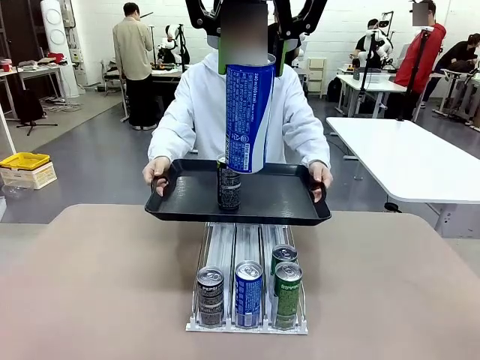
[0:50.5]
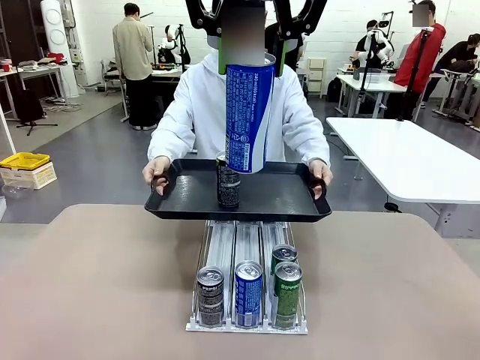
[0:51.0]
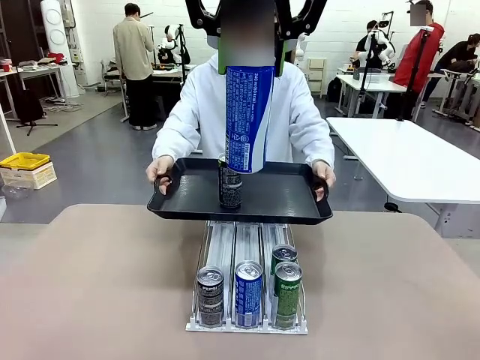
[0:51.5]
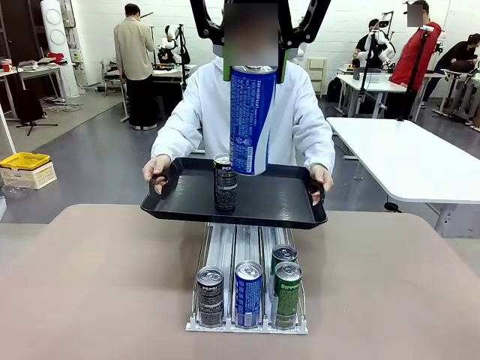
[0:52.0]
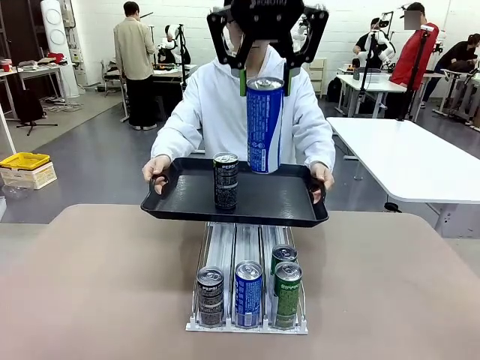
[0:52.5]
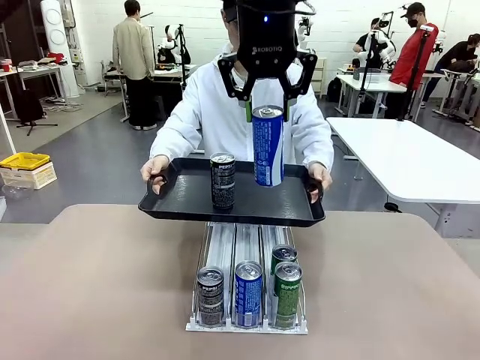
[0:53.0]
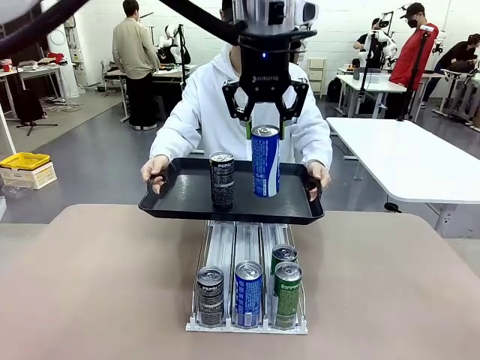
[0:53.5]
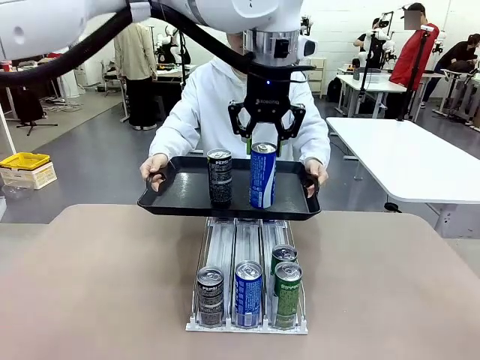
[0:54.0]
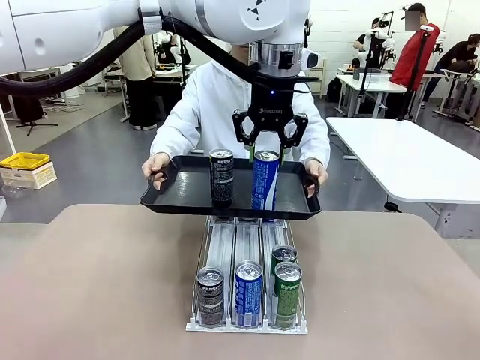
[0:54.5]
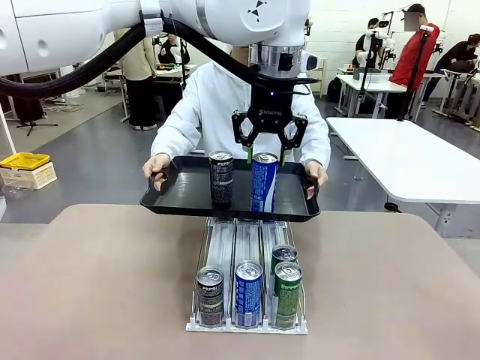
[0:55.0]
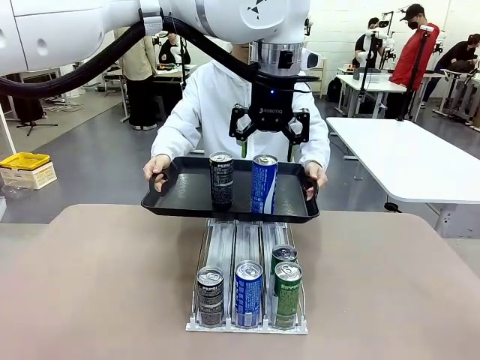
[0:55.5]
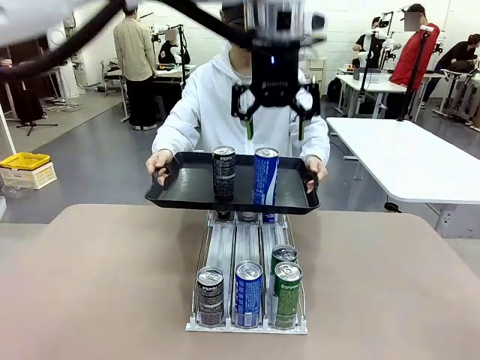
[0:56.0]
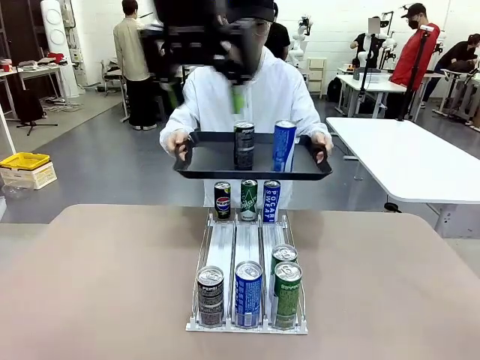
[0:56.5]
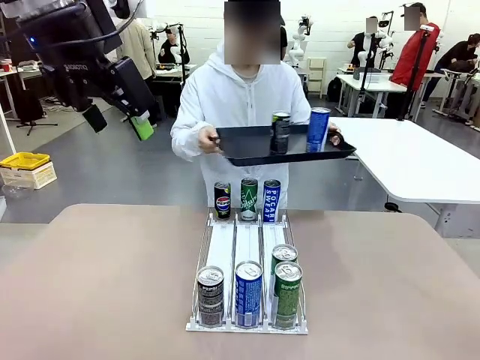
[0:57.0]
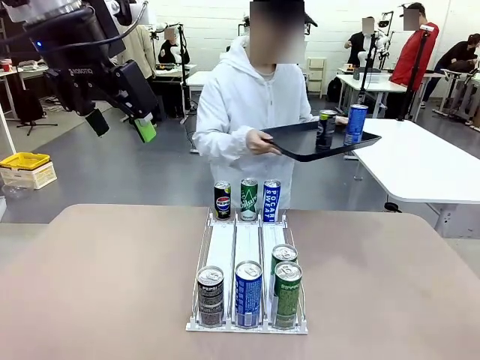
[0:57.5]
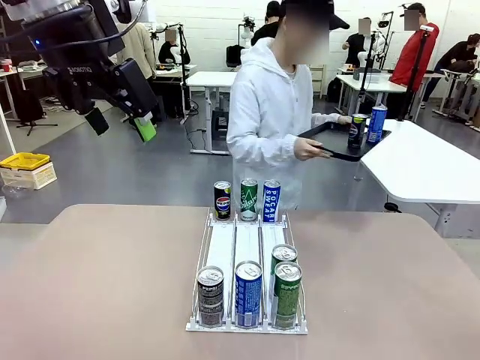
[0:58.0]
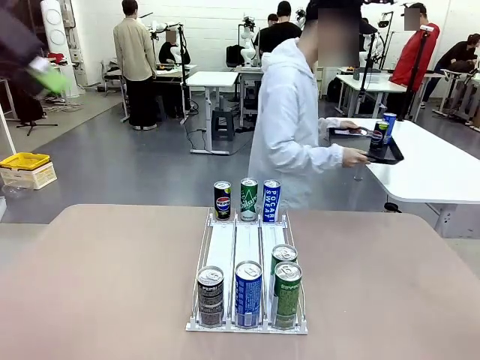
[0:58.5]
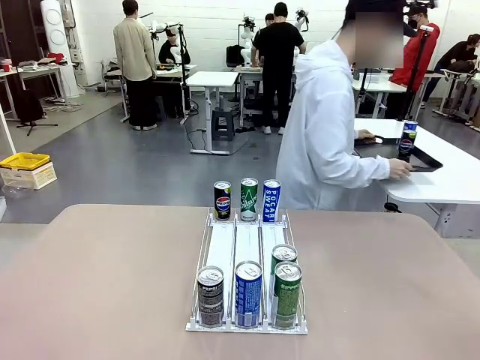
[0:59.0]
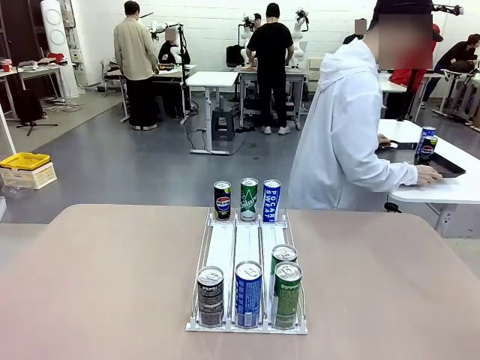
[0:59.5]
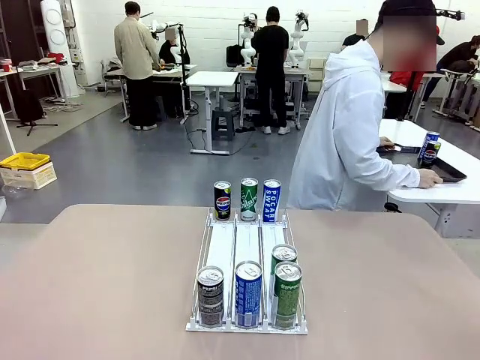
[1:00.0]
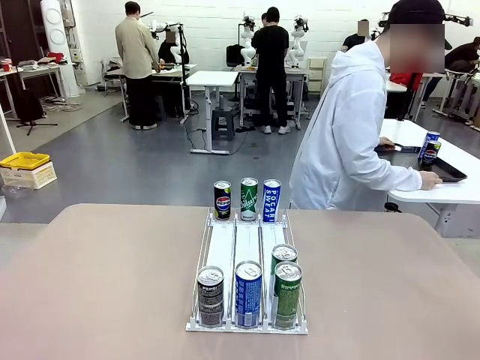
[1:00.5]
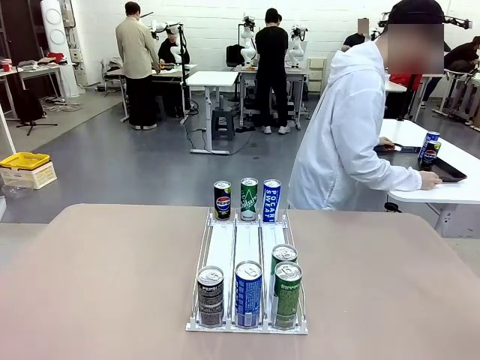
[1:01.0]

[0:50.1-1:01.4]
Task: Retrieve and hand over the desired beverage to the person.
Robot: Place the picked can on the Handle tray extended by the person.
Person: Pull the tray back and place it at the center of the human table.

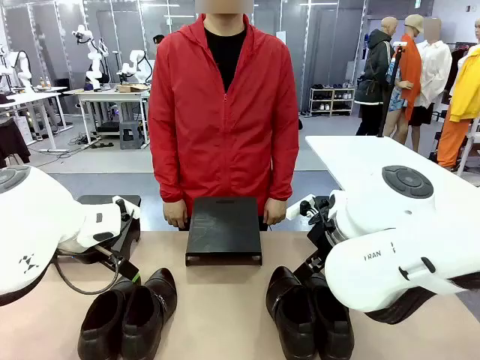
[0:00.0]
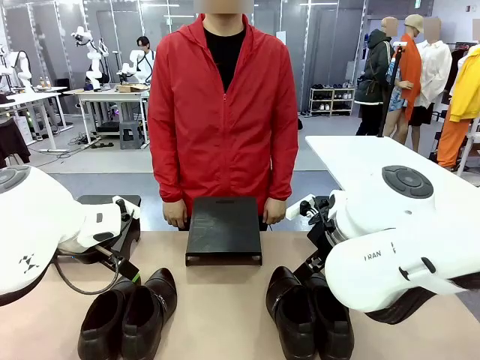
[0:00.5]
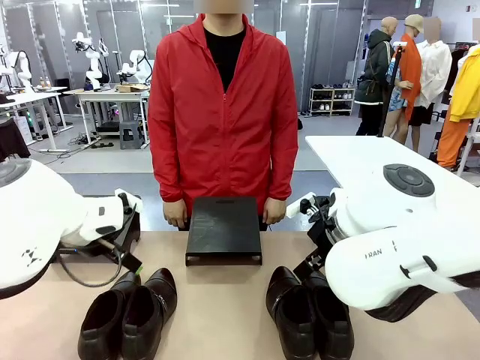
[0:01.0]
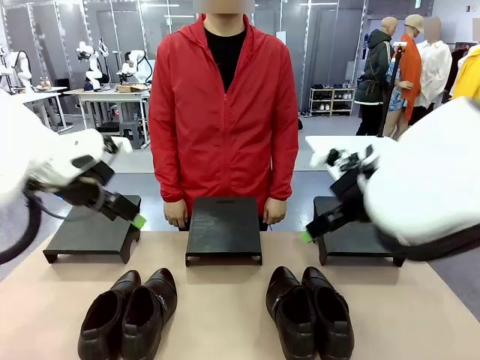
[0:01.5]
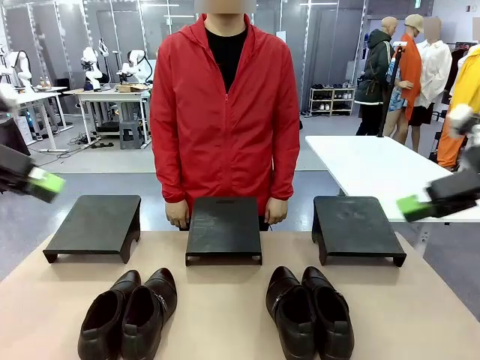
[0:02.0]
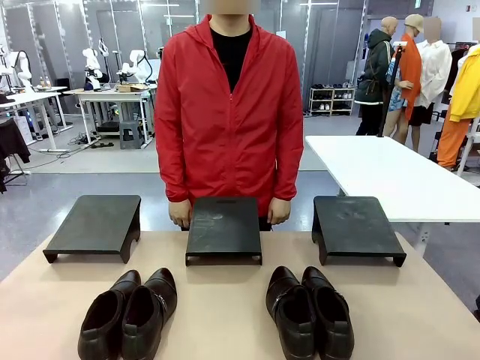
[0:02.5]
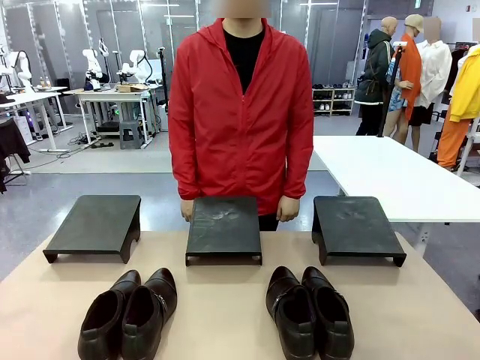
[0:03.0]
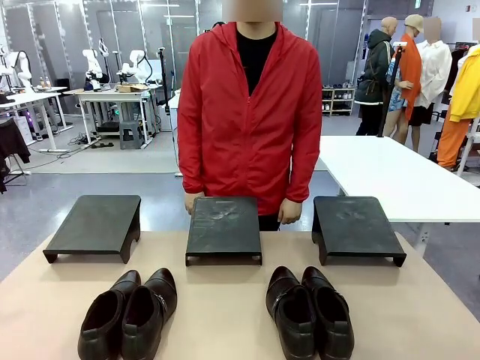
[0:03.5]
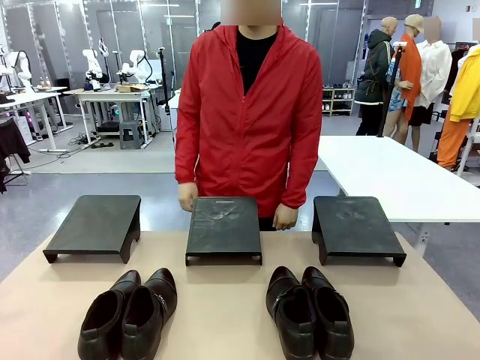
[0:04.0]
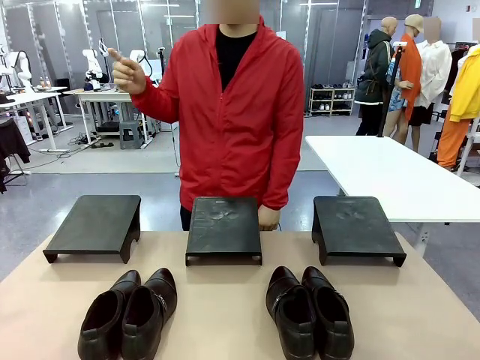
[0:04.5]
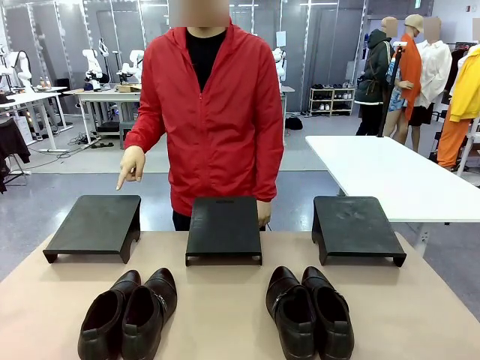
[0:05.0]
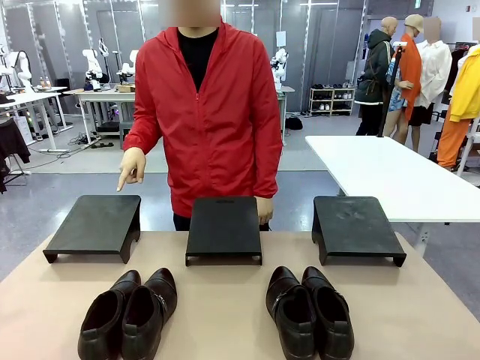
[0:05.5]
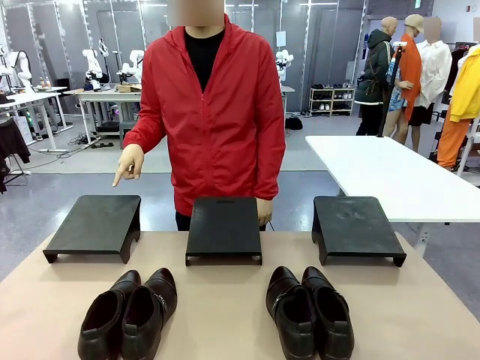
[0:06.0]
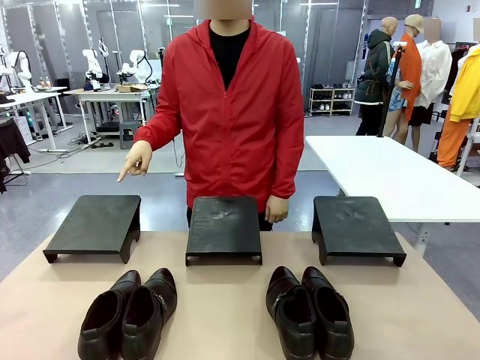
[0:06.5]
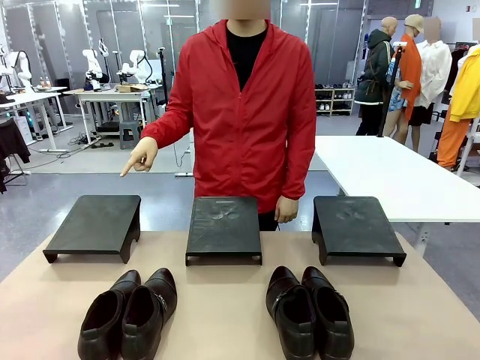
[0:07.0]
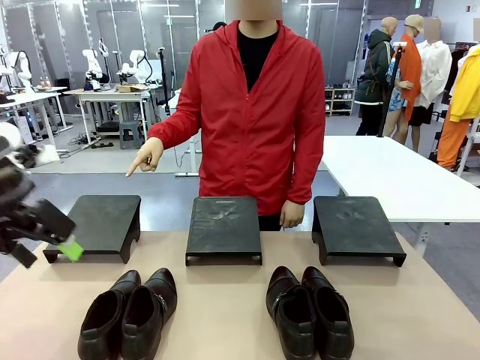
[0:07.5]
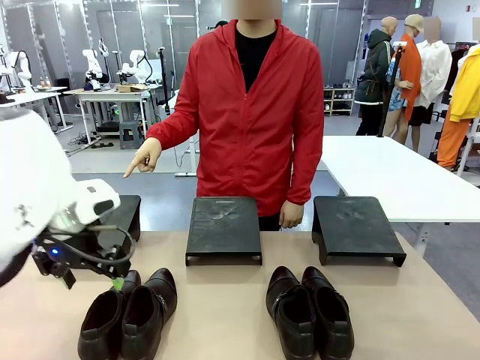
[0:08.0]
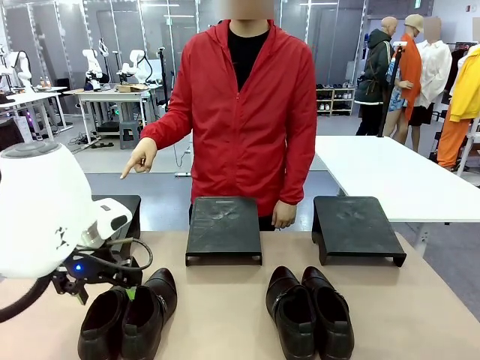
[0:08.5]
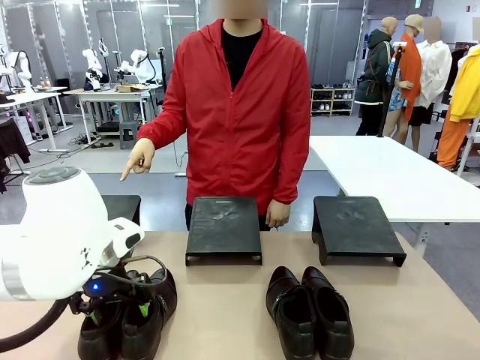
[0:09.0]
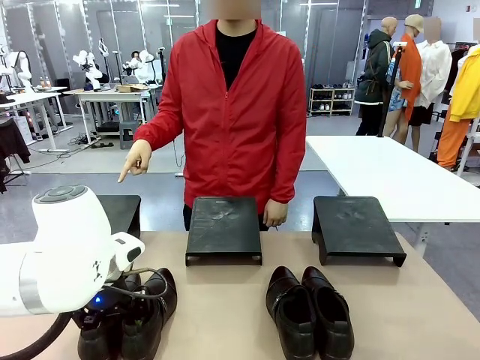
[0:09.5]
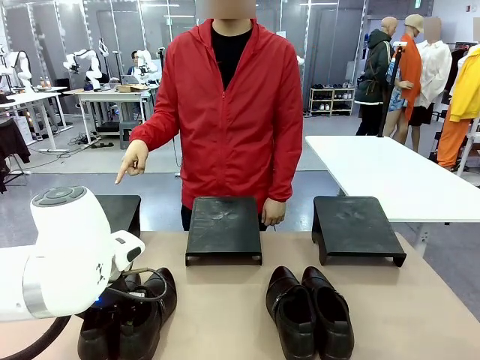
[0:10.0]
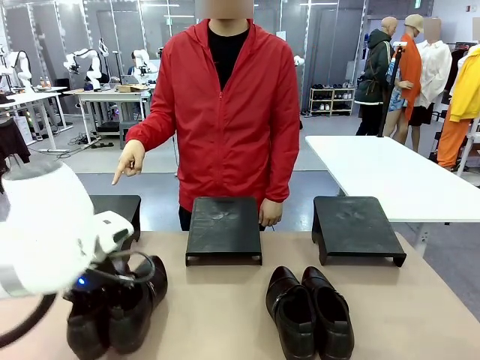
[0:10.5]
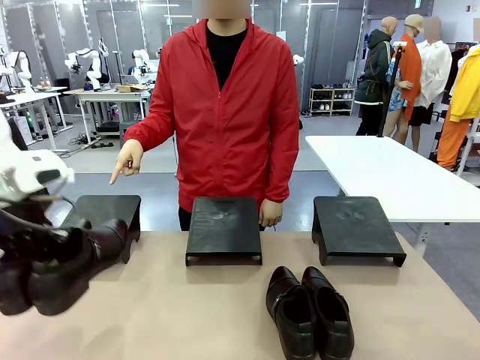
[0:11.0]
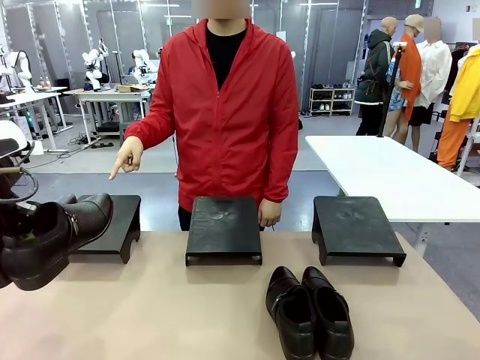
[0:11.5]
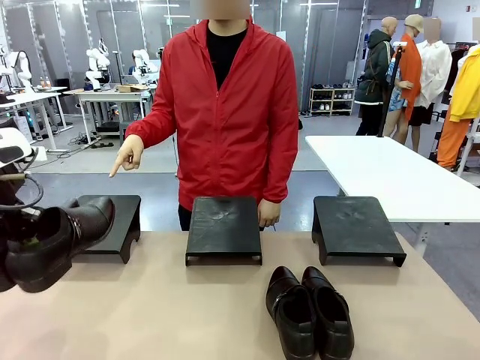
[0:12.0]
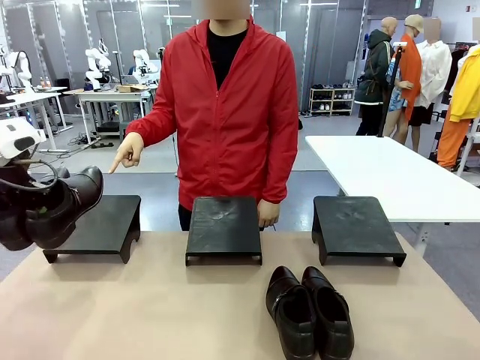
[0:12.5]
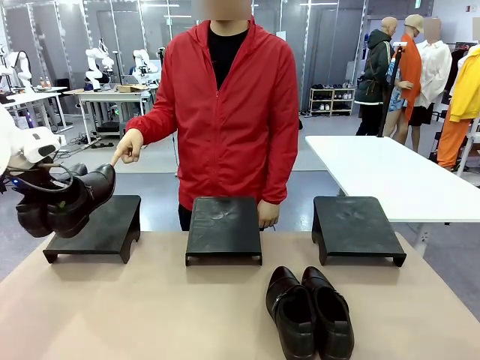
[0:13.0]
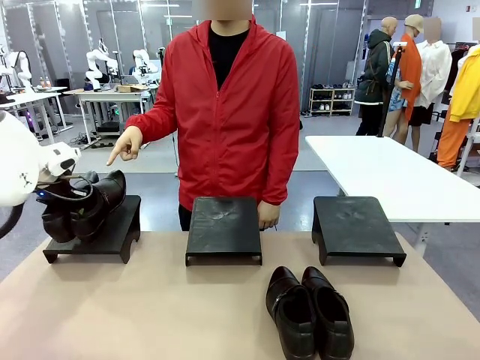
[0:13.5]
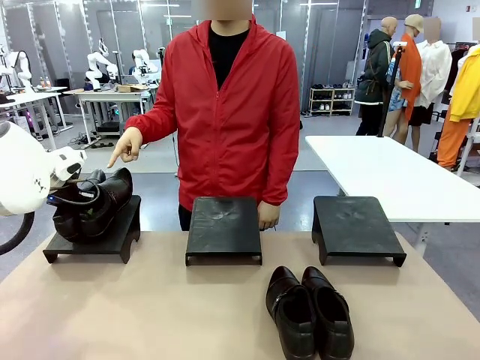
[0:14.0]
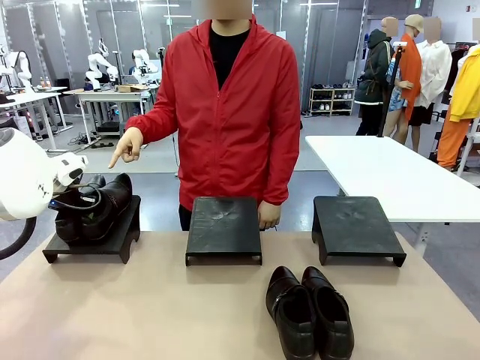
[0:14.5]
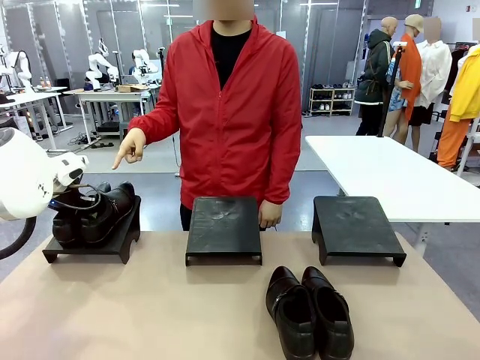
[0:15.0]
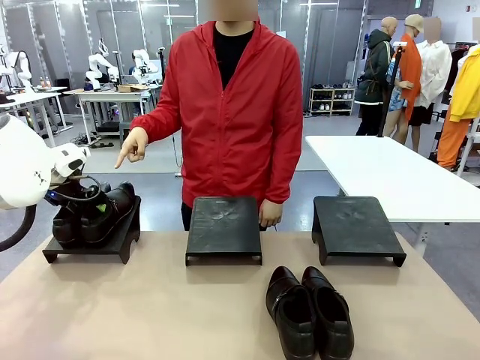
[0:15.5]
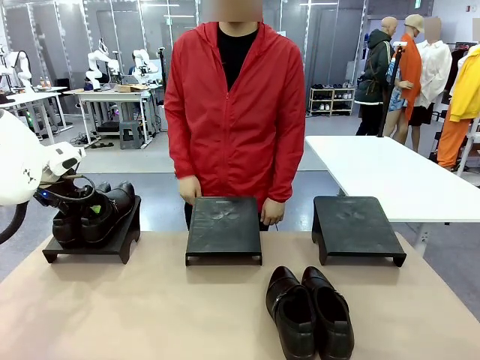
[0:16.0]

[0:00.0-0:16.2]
Task: Place the shoes on the stand as instructed by the person.
Robot: Pick up one pair of Shoes and place it on the Shoes Stand indicated by the person.
